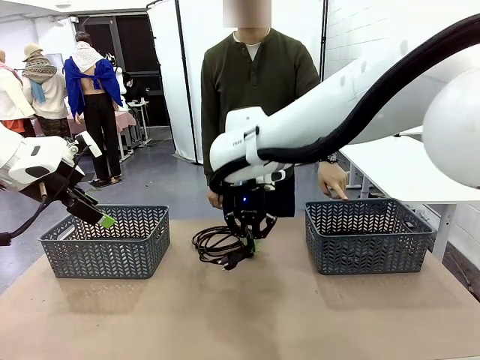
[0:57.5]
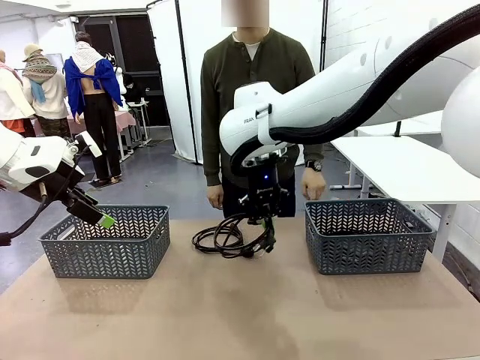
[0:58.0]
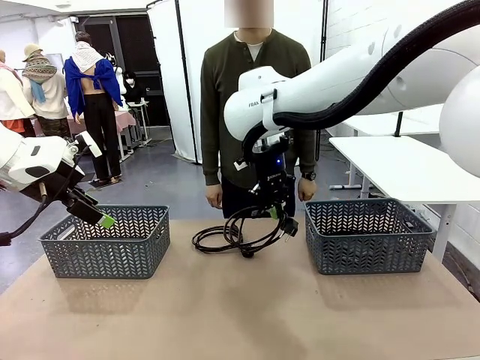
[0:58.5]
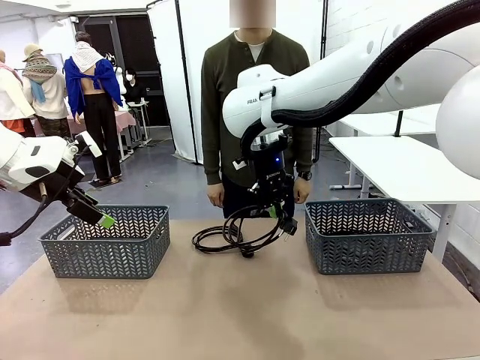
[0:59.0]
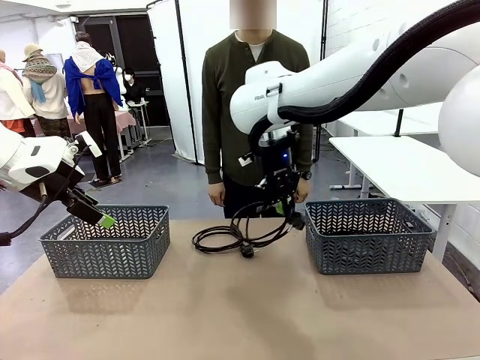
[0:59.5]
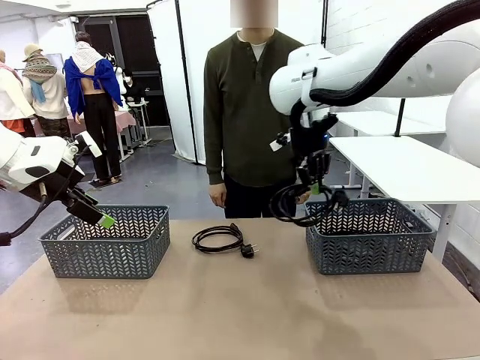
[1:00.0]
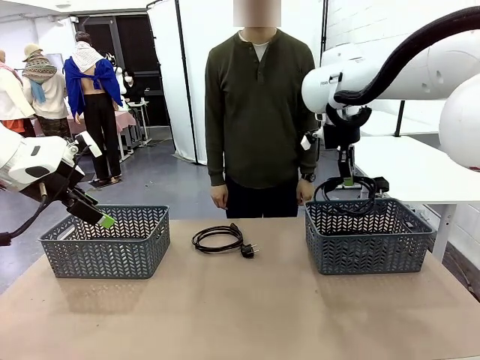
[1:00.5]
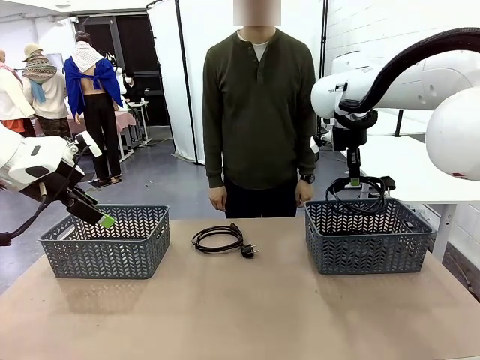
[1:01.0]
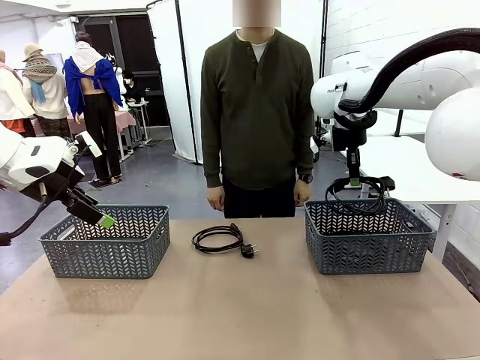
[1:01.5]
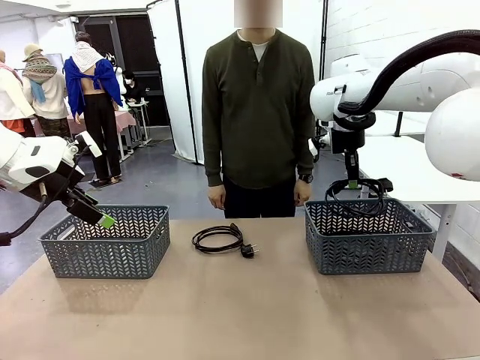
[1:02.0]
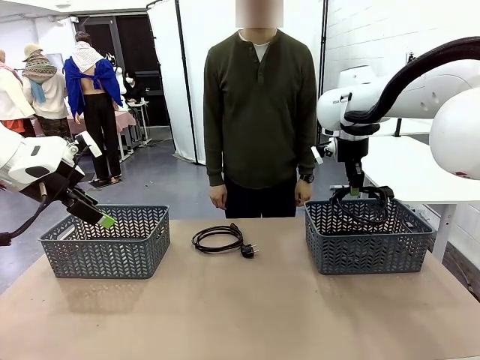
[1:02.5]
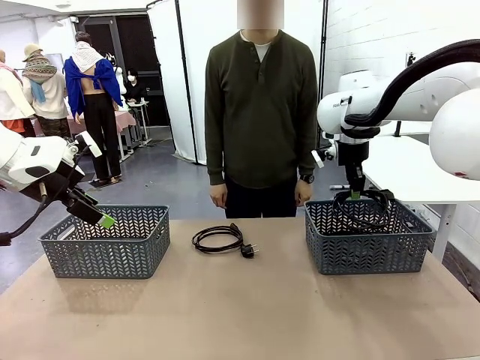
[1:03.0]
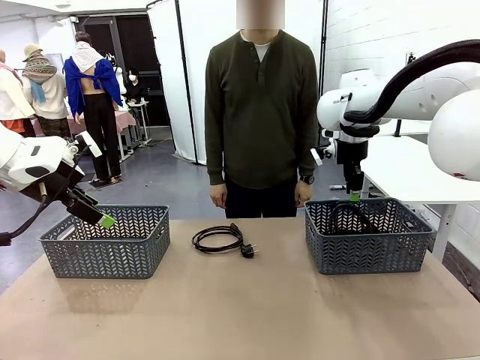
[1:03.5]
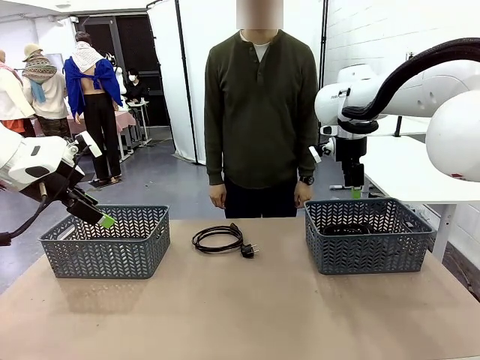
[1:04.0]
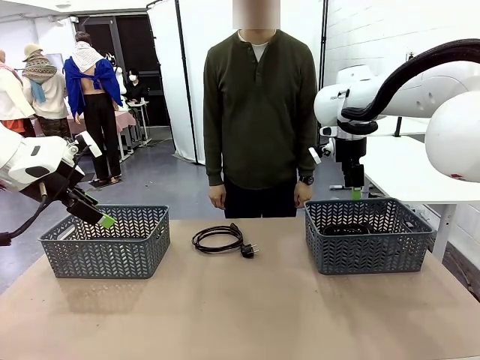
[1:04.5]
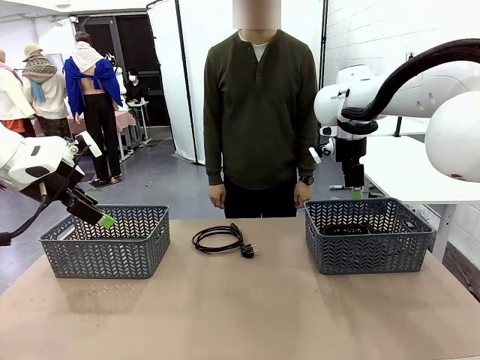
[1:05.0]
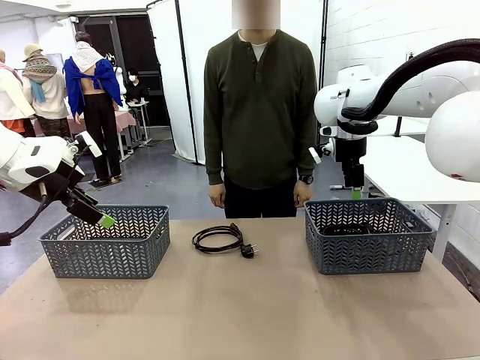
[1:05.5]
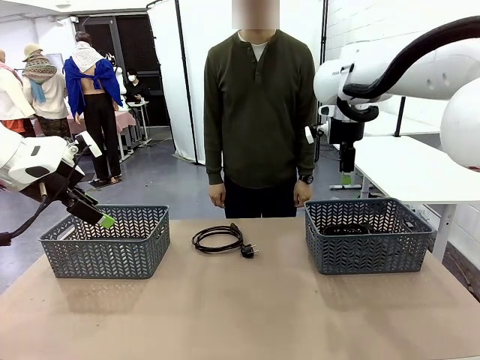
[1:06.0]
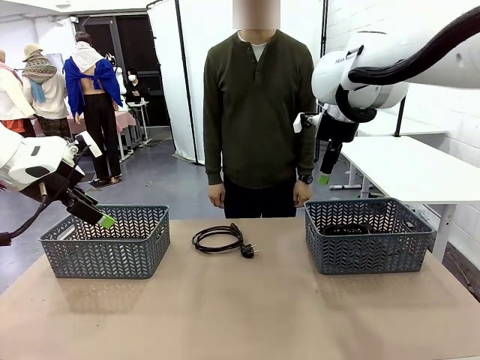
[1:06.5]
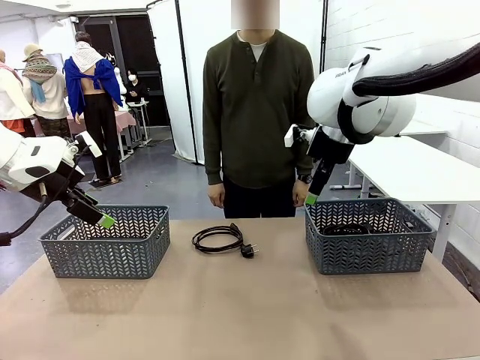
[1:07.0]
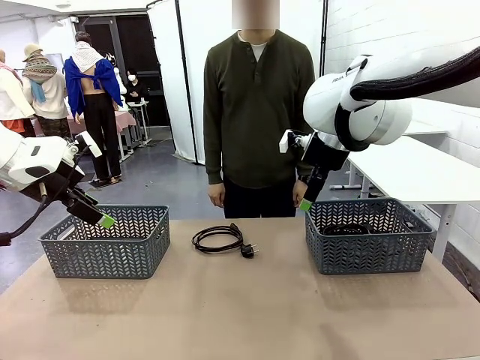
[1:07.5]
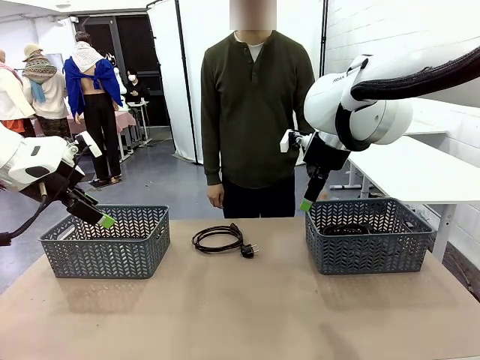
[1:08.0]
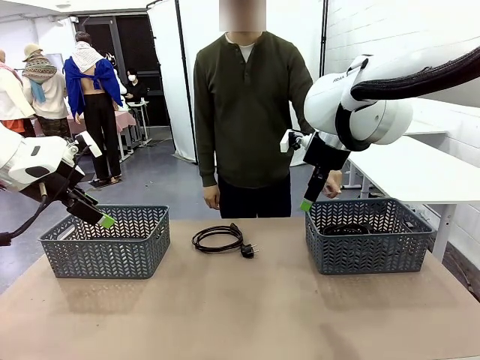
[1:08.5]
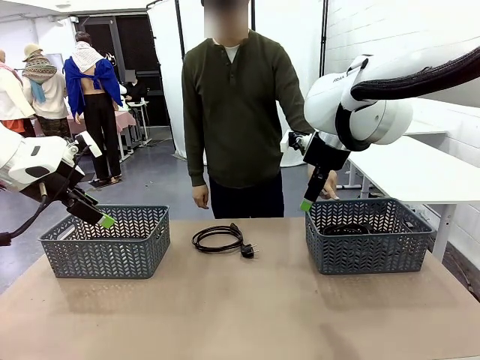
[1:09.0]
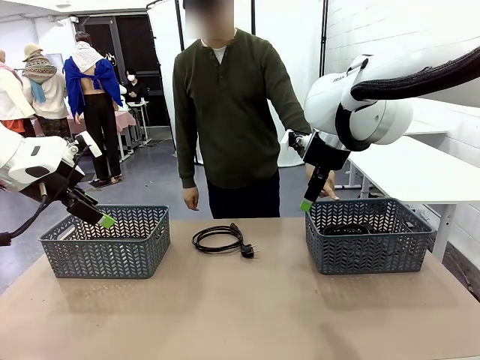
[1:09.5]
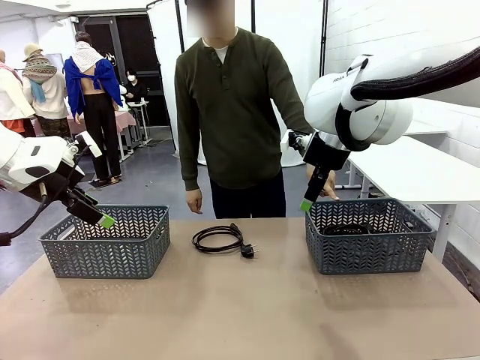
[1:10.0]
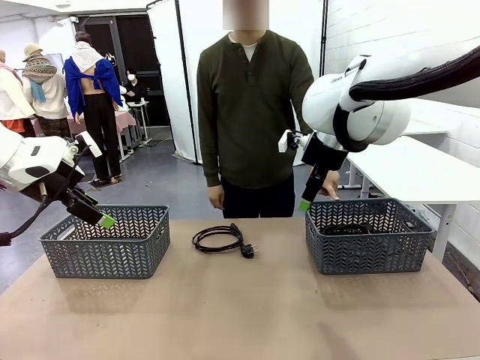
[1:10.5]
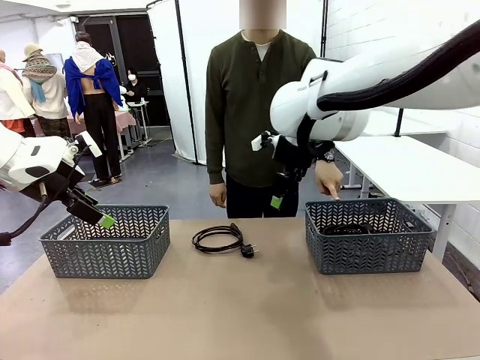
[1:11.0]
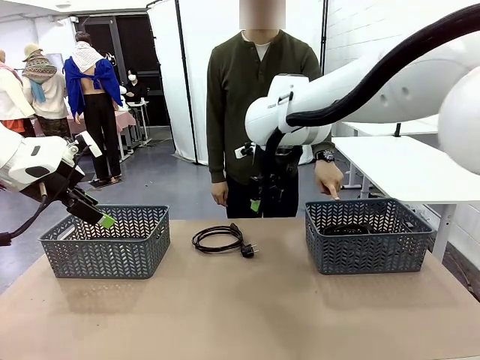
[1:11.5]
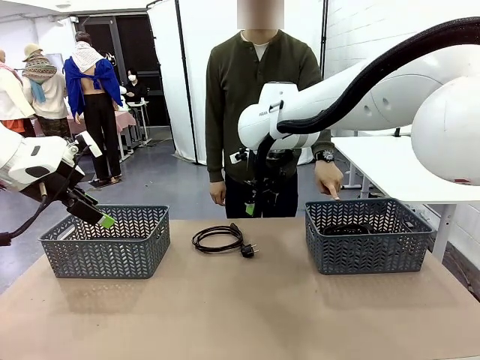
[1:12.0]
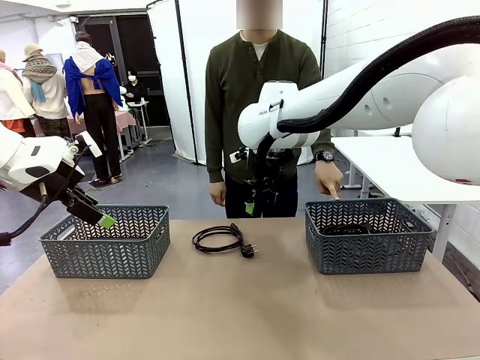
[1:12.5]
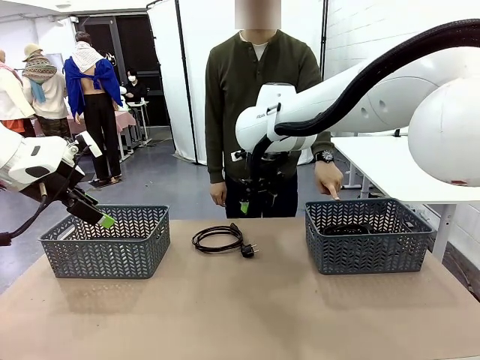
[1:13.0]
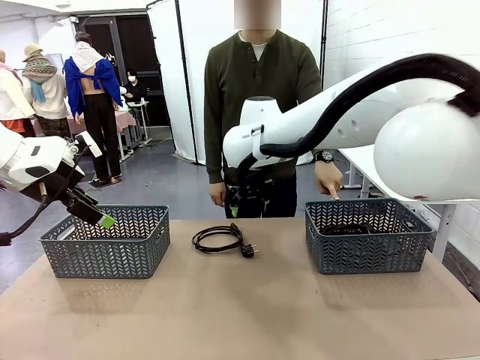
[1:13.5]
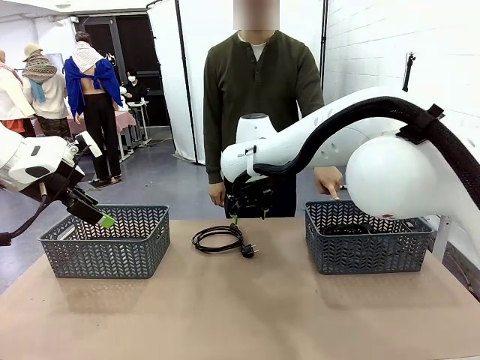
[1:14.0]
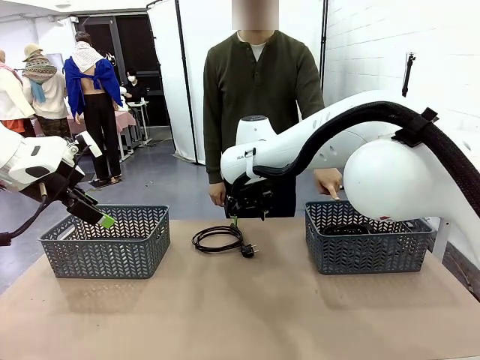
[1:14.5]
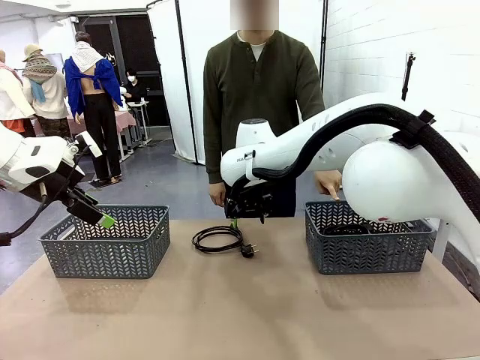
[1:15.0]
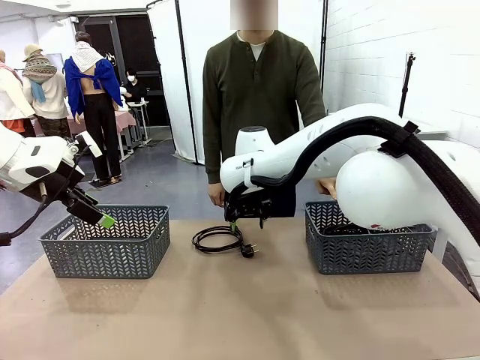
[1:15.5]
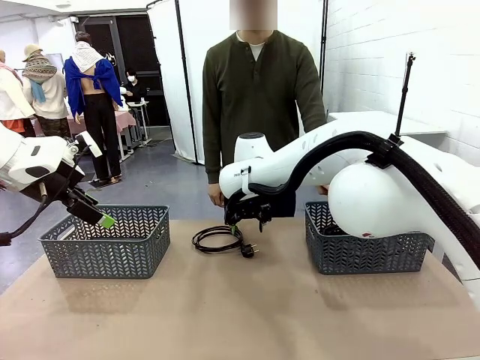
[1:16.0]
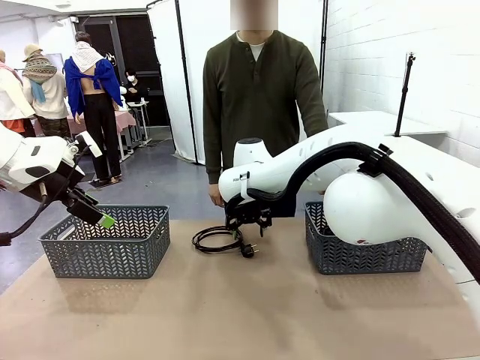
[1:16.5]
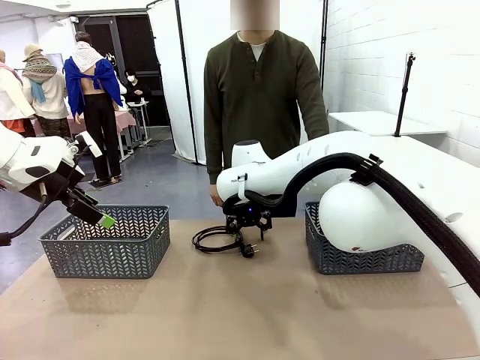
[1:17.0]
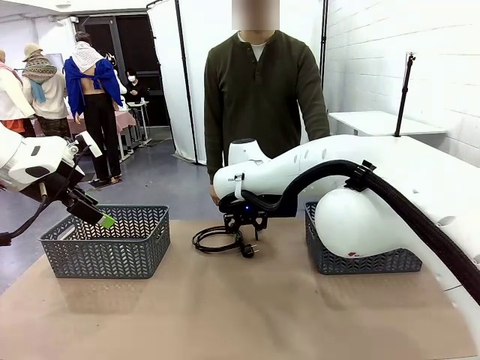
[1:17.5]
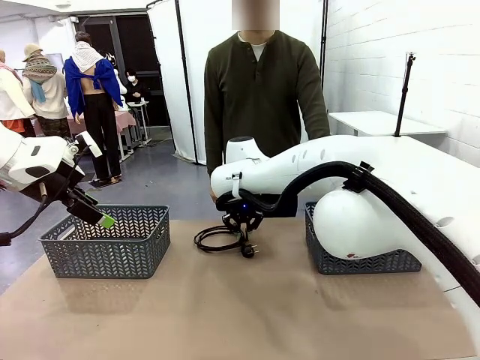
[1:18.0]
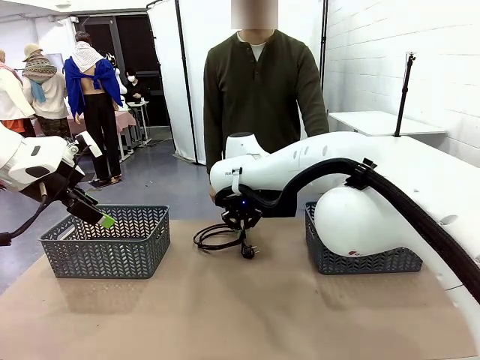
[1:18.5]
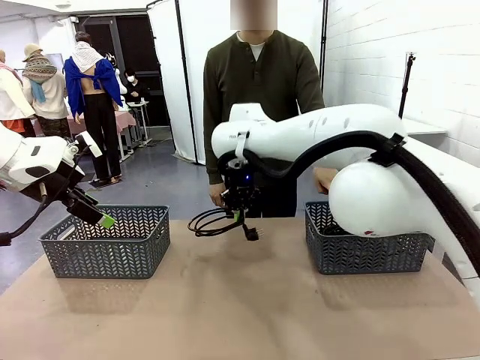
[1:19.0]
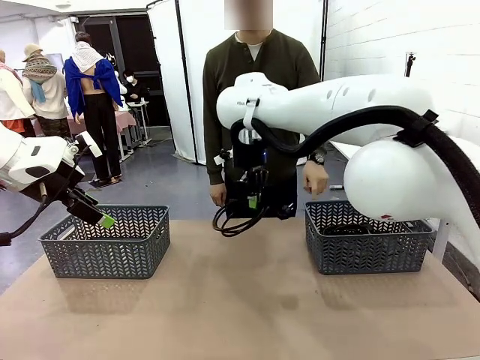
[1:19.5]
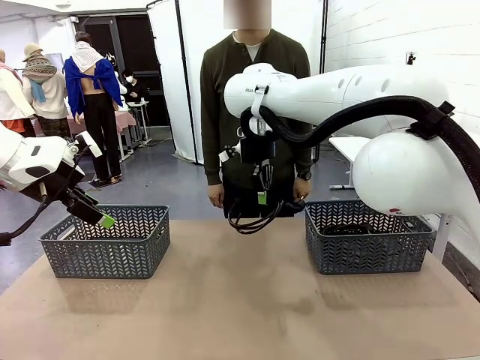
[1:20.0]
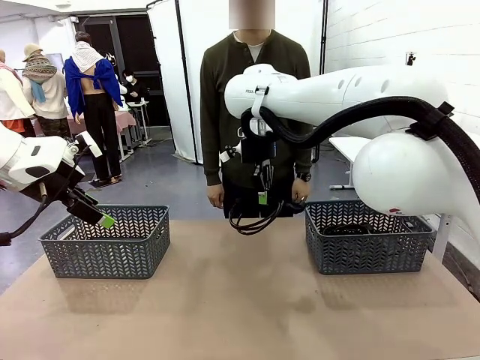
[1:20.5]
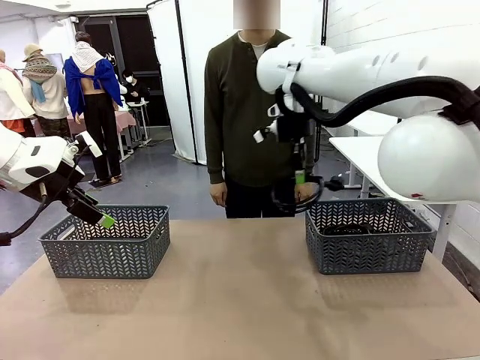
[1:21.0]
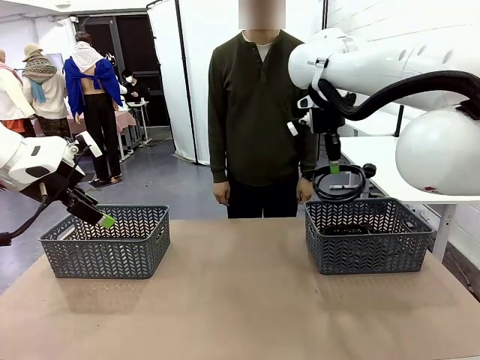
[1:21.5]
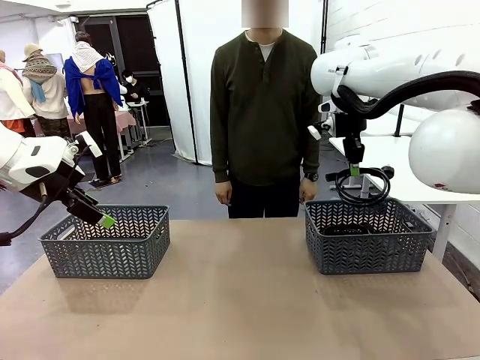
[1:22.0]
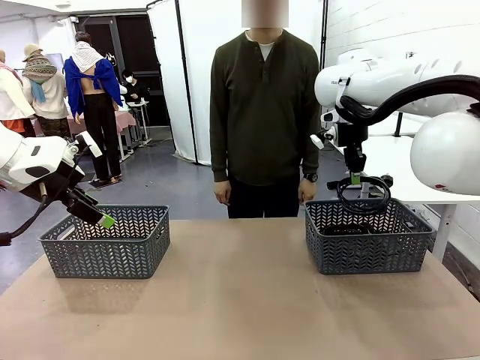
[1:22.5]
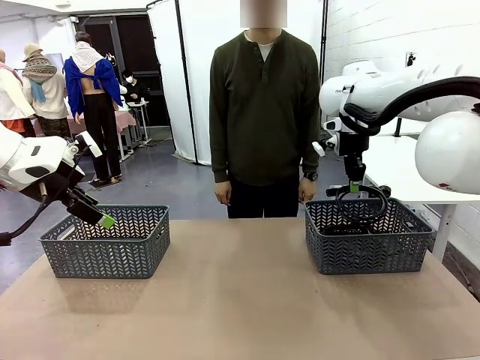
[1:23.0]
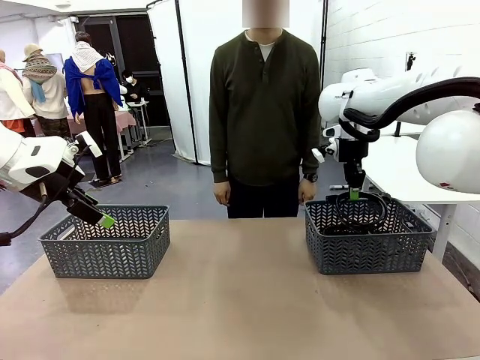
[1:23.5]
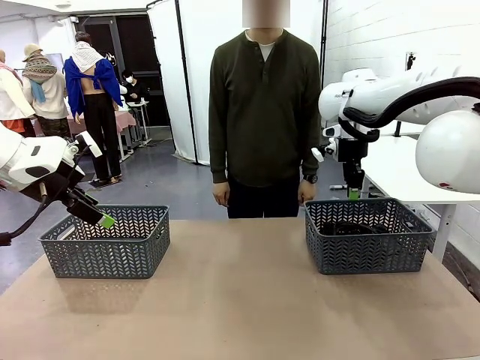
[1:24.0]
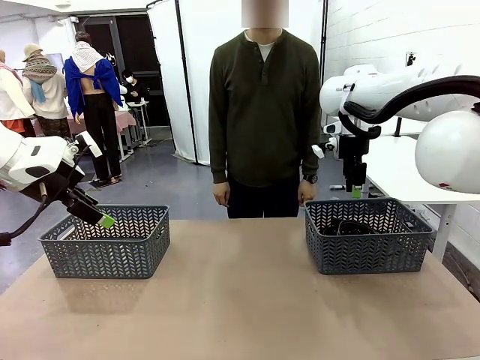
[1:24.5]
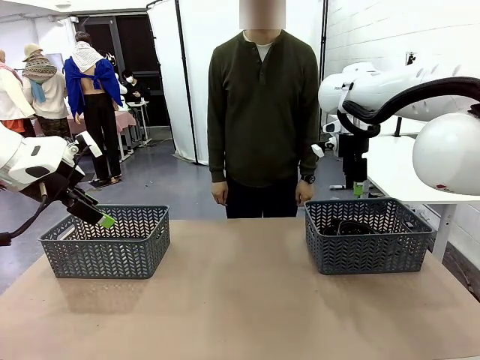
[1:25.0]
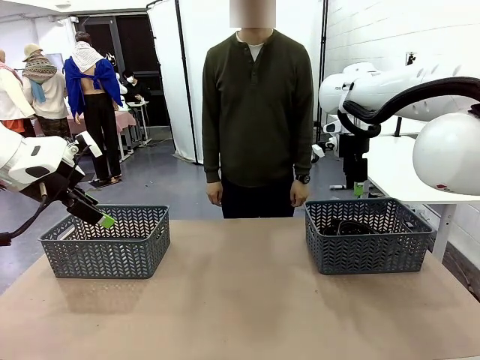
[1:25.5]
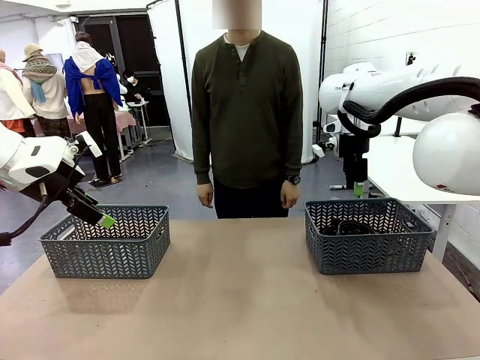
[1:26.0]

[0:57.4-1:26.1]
Task: Organize the cables according to human instructions.
Robot: Pick up a bundle of cables and place it in the basket indicated by the human.
